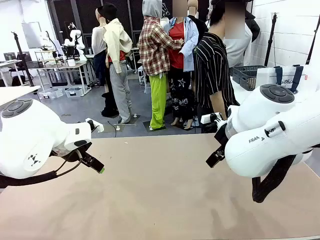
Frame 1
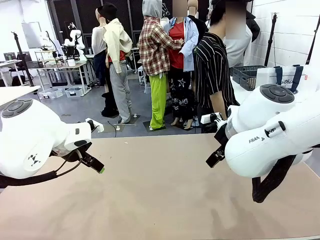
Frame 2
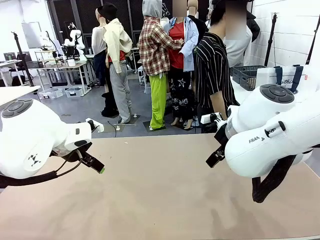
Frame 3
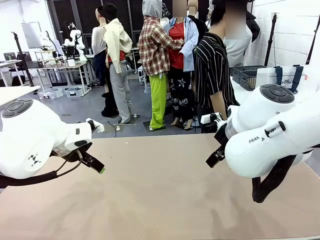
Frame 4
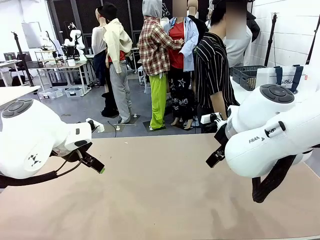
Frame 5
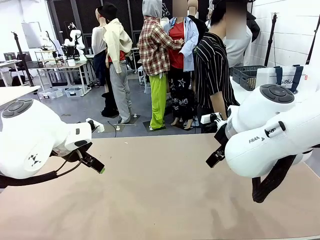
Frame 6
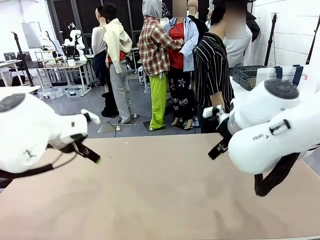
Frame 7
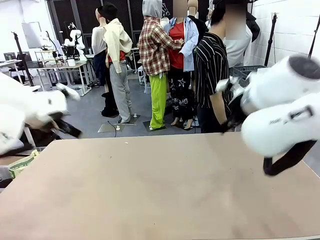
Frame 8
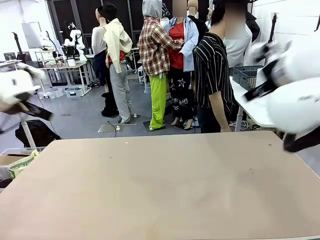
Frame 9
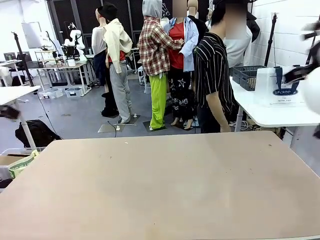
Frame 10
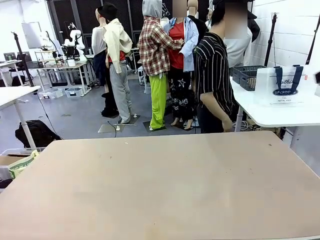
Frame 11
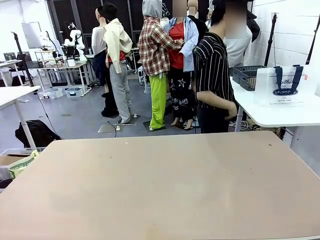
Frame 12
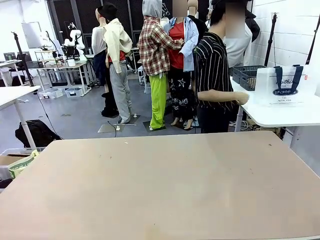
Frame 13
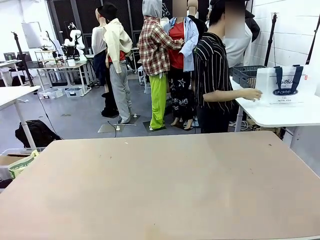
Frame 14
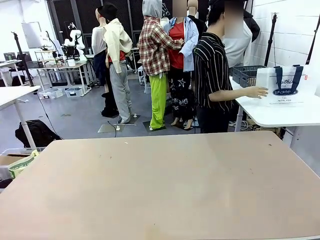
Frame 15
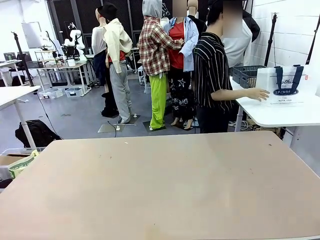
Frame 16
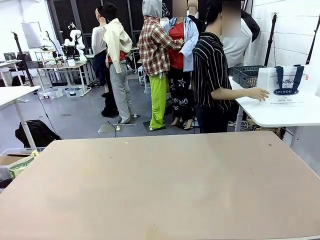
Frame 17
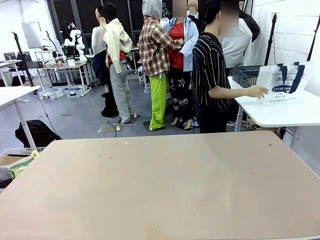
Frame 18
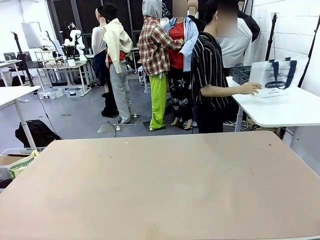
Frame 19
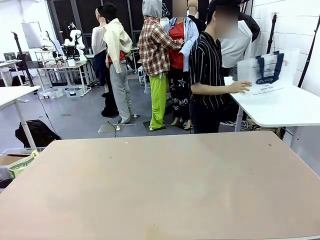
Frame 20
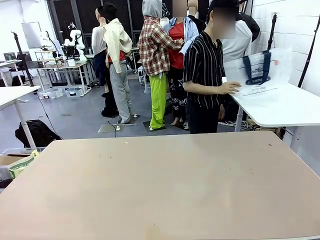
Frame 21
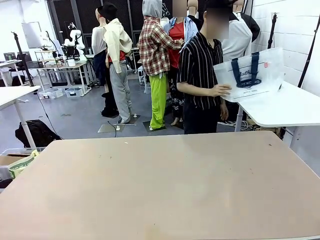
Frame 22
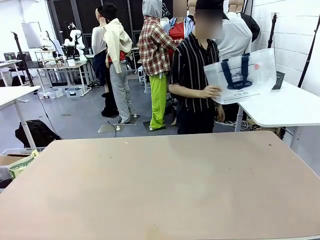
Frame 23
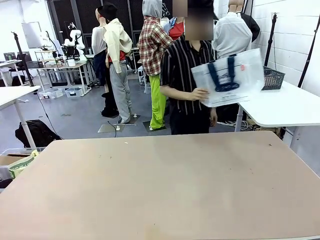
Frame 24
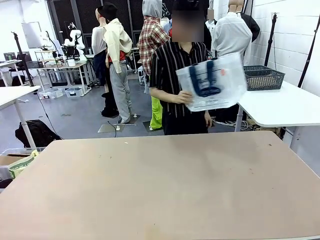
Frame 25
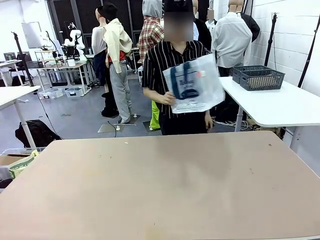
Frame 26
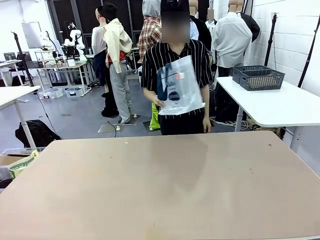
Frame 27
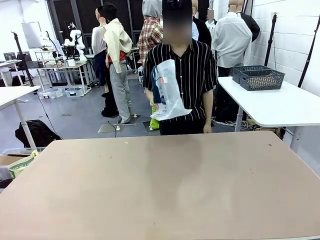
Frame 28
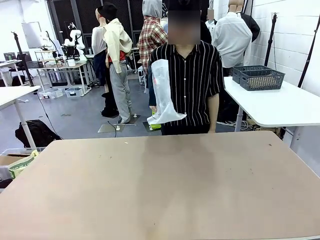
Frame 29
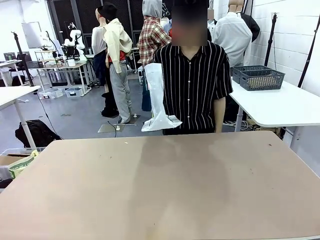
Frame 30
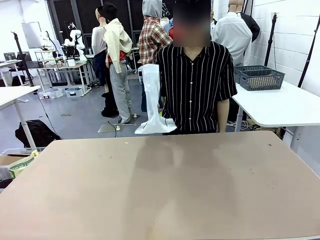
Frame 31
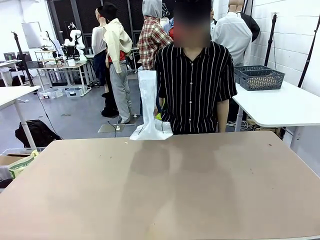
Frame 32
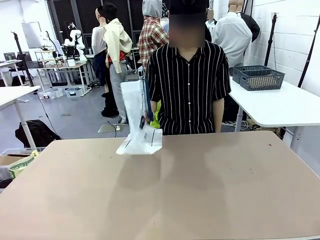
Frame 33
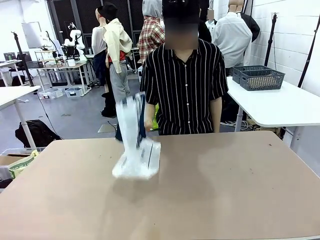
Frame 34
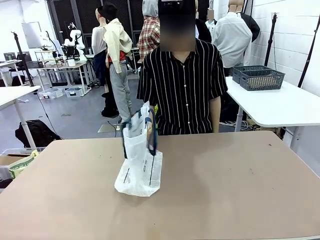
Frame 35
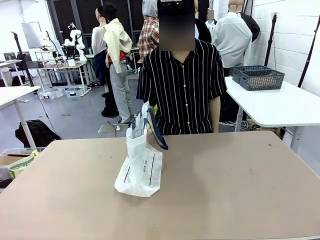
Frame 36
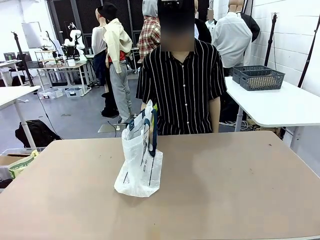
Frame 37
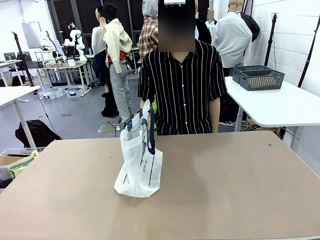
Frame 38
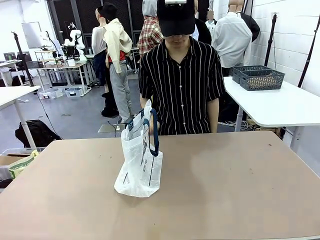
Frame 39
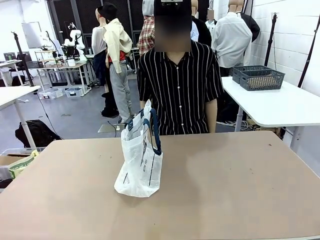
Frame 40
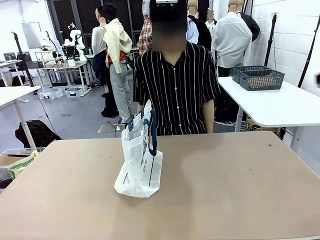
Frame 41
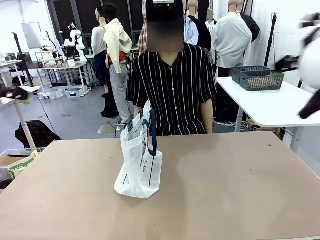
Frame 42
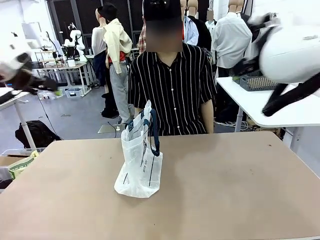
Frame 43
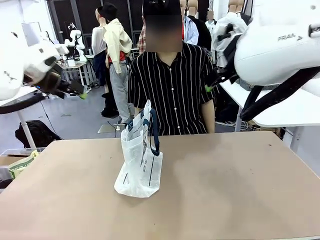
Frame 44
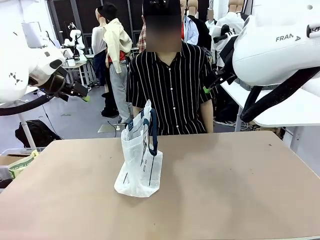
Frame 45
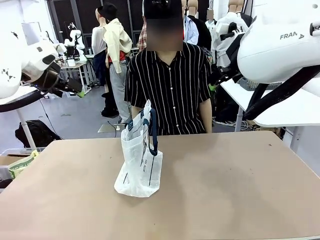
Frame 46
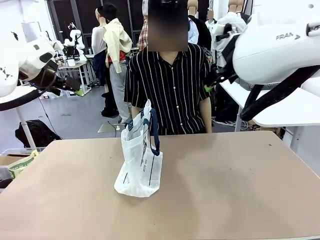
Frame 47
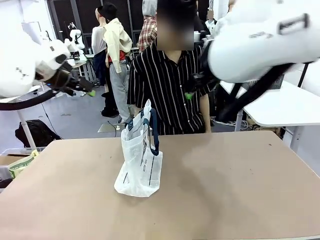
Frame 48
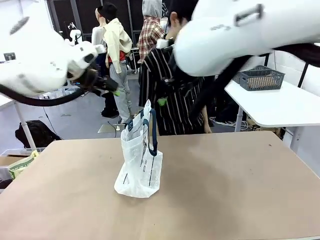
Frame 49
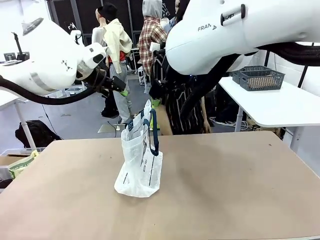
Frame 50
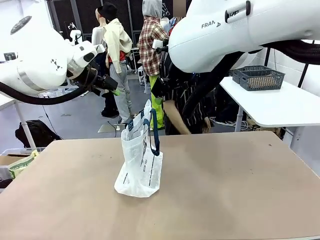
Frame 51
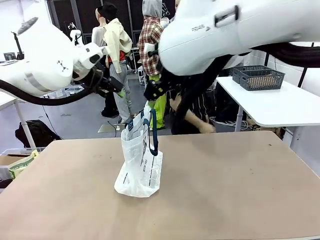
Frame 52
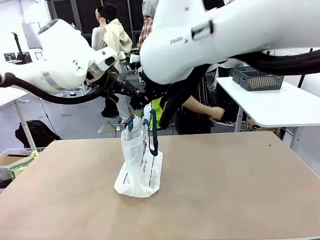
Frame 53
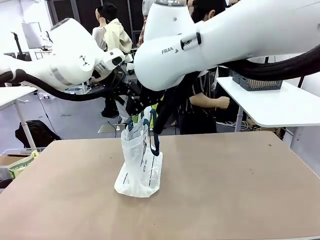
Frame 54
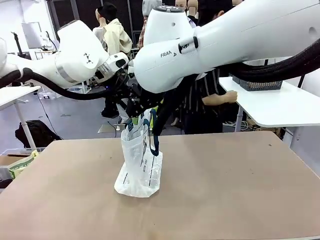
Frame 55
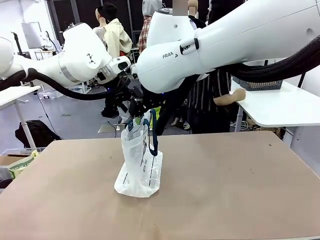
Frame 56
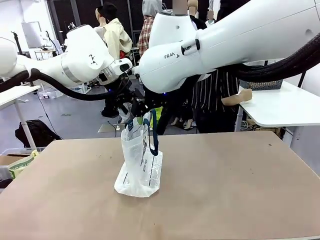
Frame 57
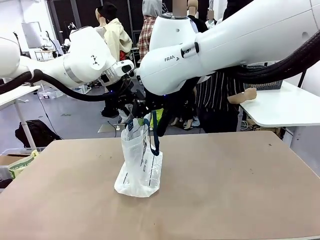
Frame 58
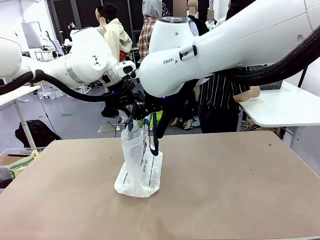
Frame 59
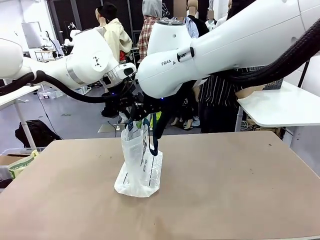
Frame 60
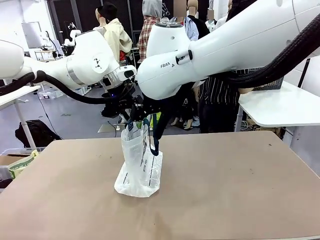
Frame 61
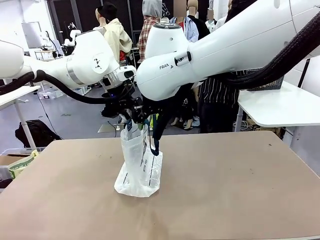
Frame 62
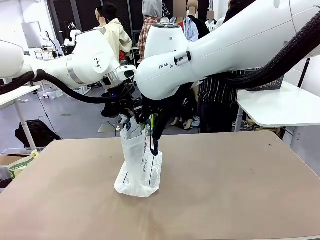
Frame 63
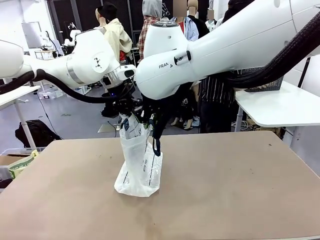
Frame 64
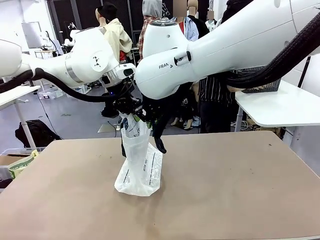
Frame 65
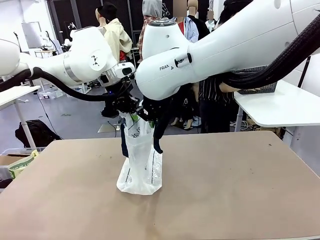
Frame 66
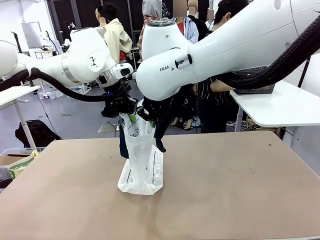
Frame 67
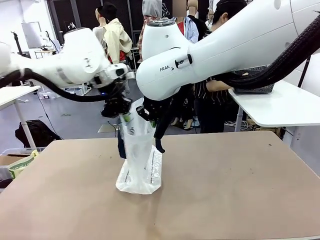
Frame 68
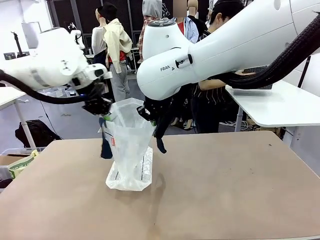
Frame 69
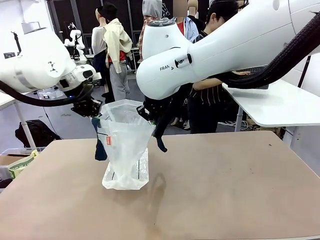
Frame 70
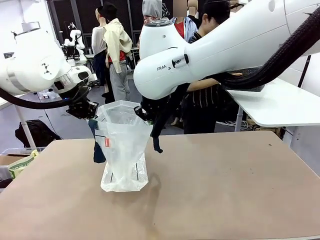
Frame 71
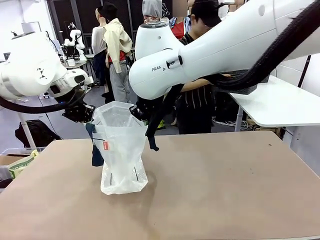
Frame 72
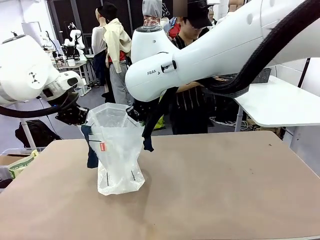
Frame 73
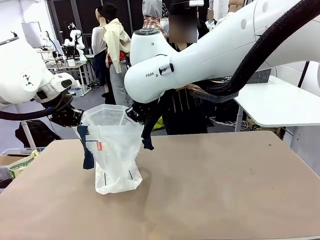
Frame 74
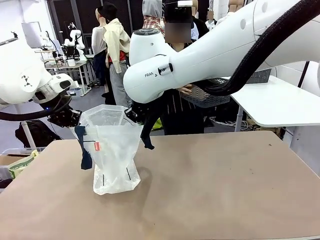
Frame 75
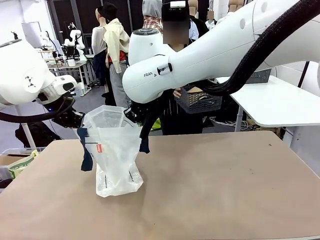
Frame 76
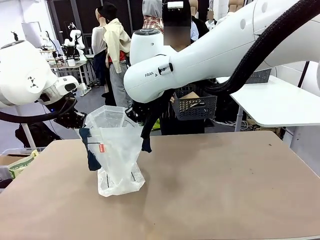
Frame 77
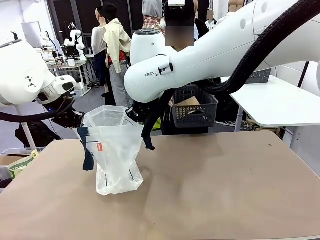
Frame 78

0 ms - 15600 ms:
Task: Transfer purchased items from the store into the shopping bag.
Robot: Open the Reusable shopping bag in the center of the table.
Person: Pick up the shopping bag and place it in the middle of the robot table. Pick up the basket on the right, place it on the left side of the robot table, and move the items in the basket to the shopping bag.
